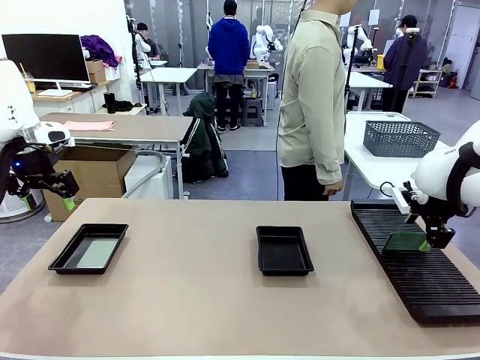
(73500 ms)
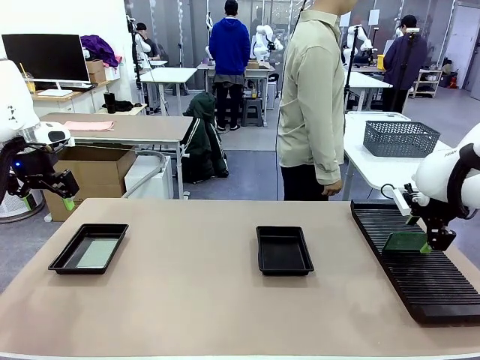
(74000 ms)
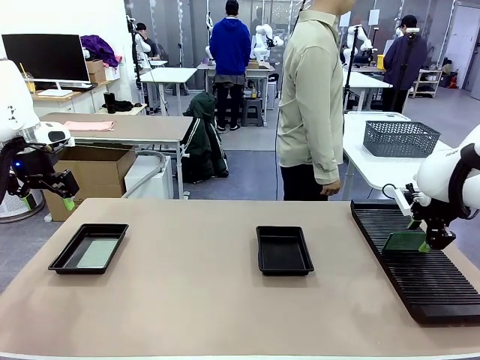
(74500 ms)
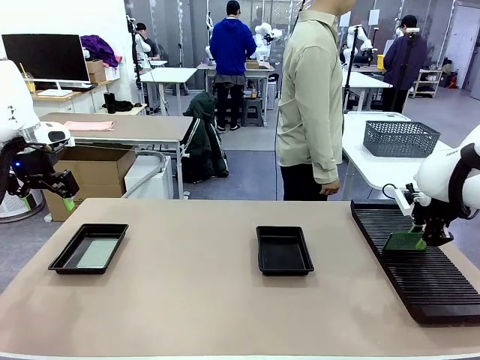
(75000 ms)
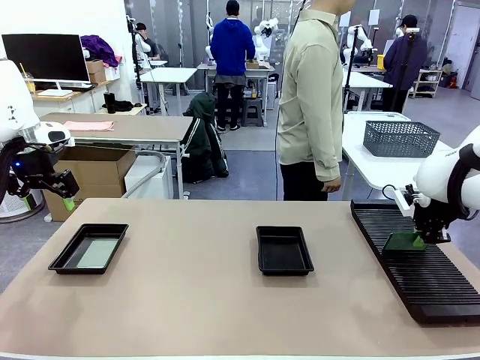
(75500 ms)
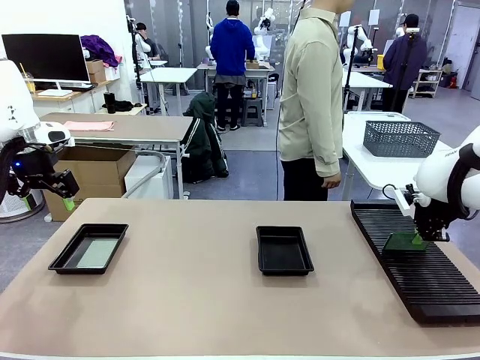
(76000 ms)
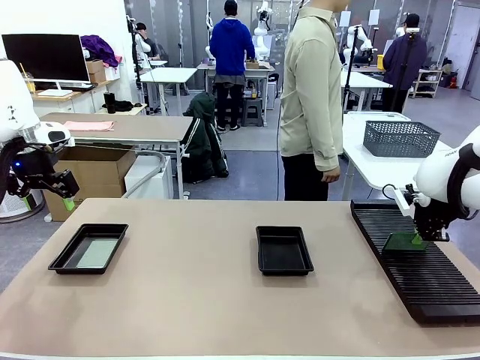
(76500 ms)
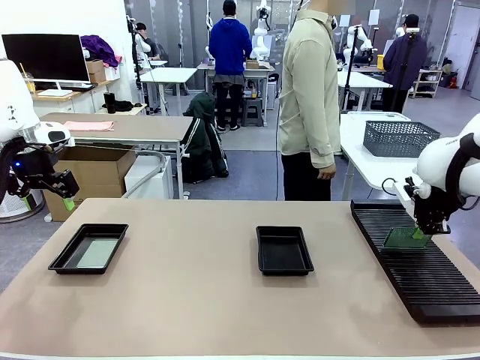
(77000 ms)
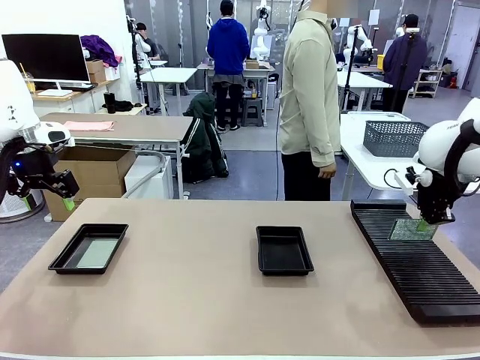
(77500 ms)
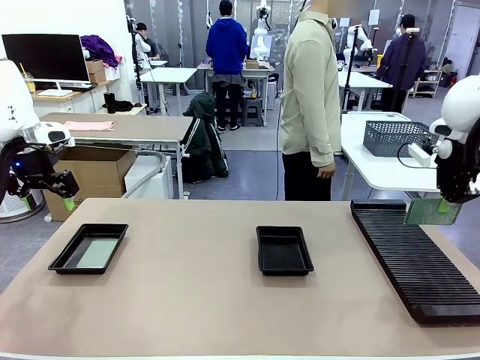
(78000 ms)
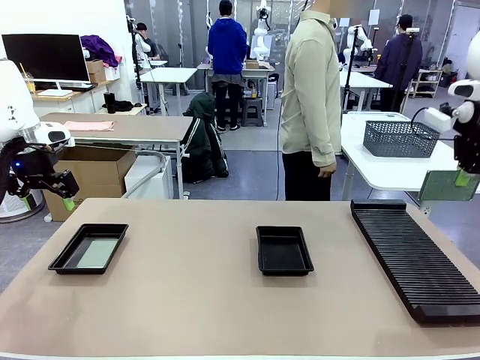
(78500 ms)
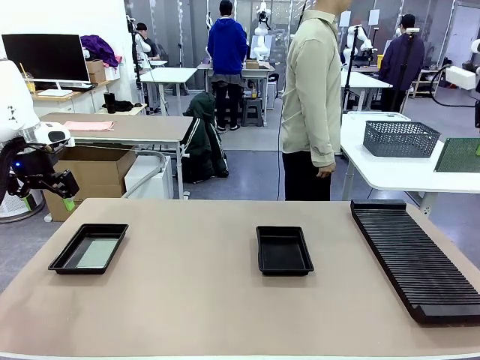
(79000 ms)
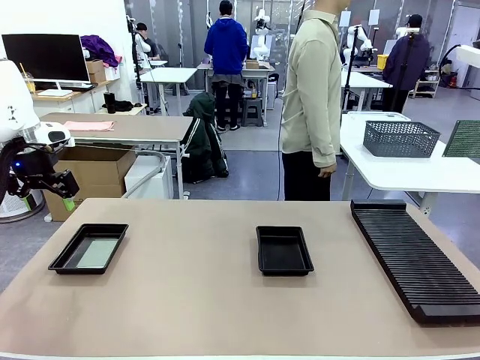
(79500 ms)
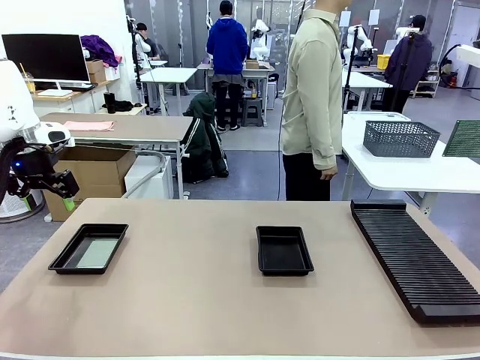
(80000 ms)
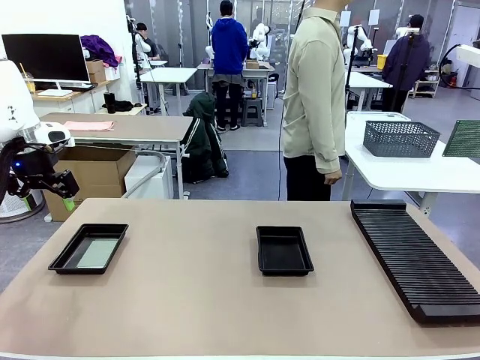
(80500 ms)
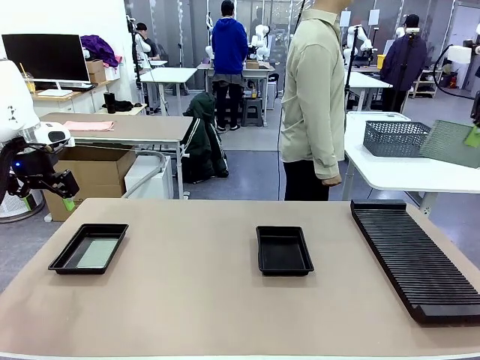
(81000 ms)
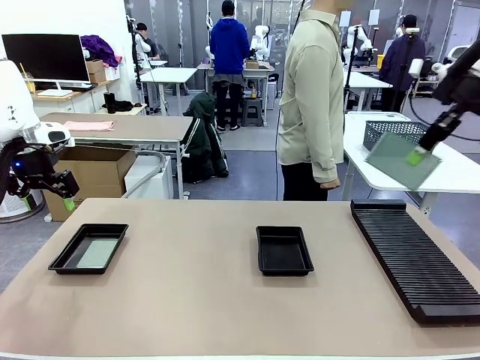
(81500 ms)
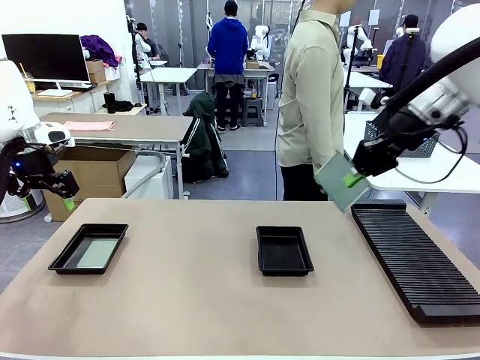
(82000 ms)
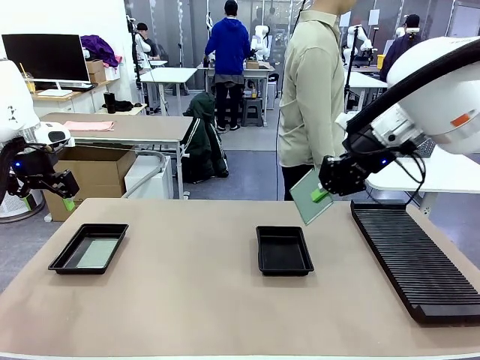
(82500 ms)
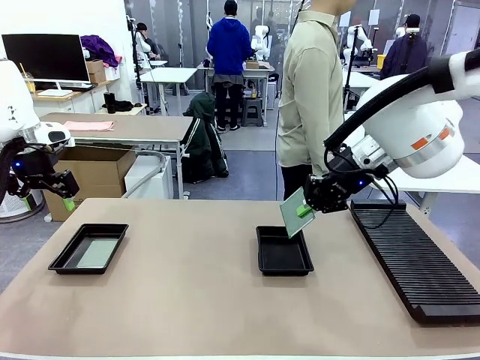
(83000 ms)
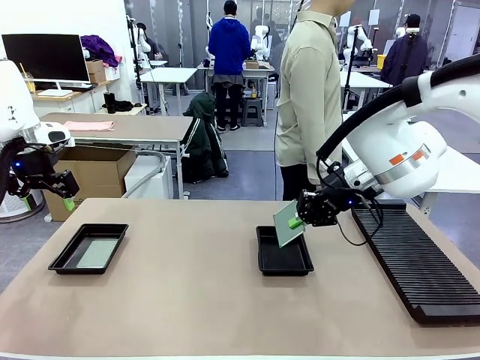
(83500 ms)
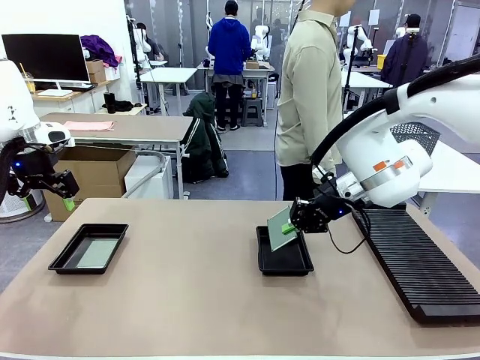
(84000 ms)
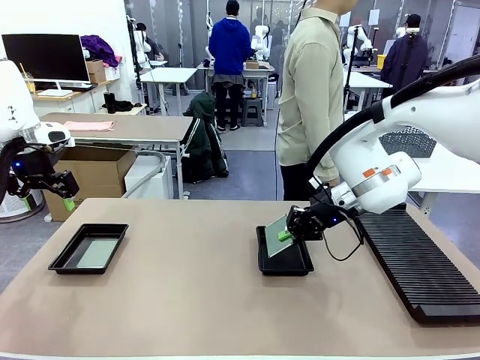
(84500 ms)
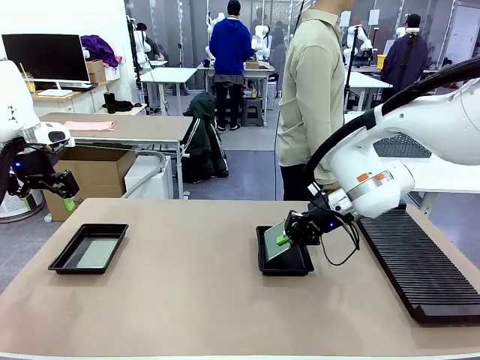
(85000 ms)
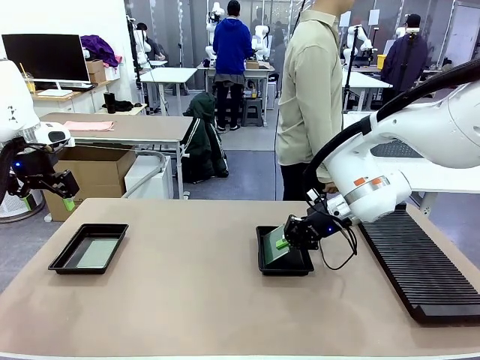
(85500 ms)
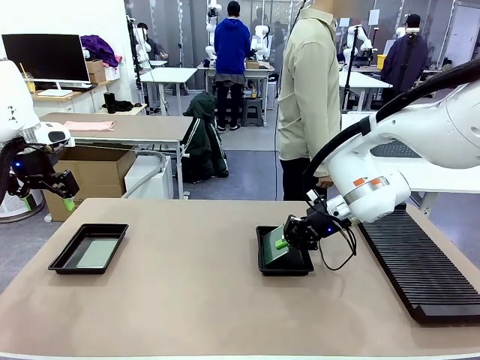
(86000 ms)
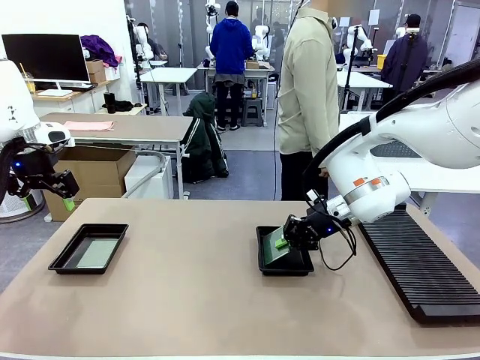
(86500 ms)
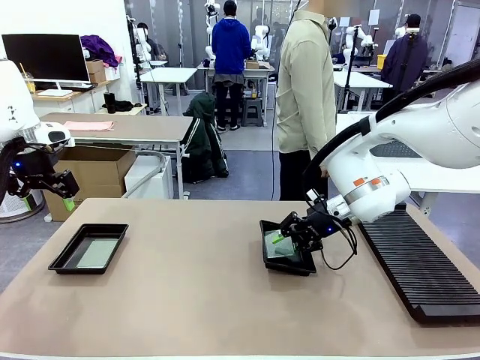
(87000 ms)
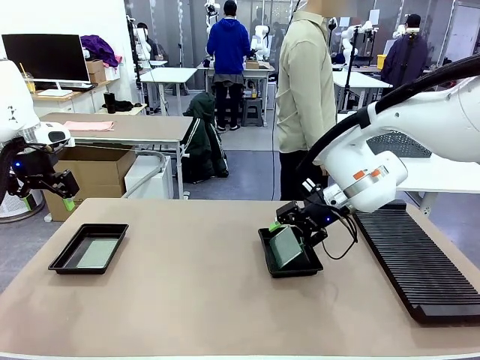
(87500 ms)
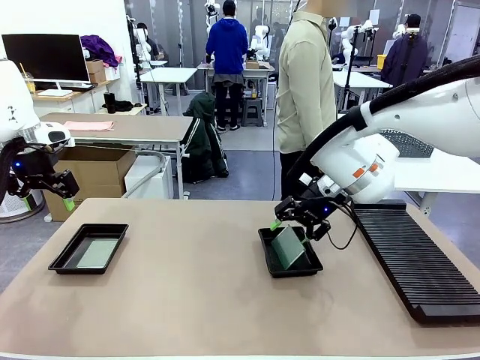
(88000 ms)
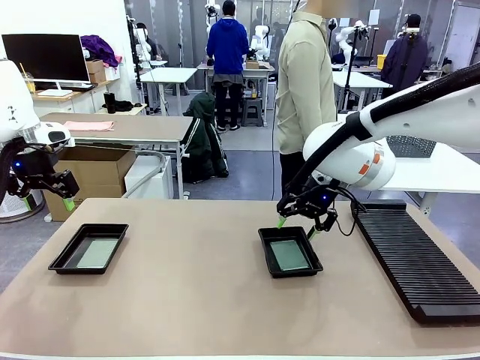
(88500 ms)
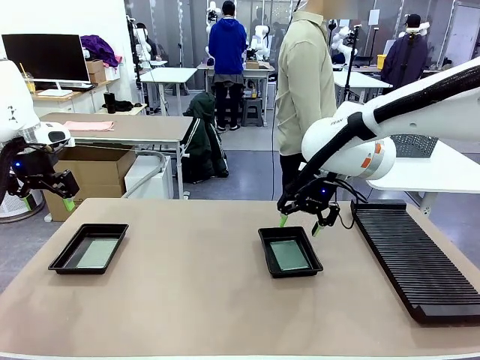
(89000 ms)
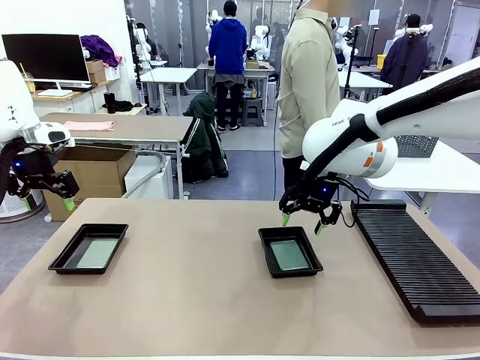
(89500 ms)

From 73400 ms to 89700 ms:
Task: Inspect and transfer BCBs to ESD trays.
Robot: Pick up the Blank PCB from the PCB Rack and place it in the right ESD tray.

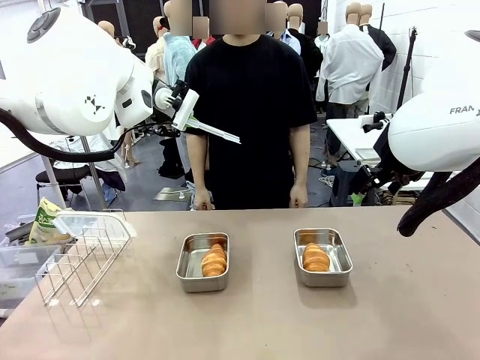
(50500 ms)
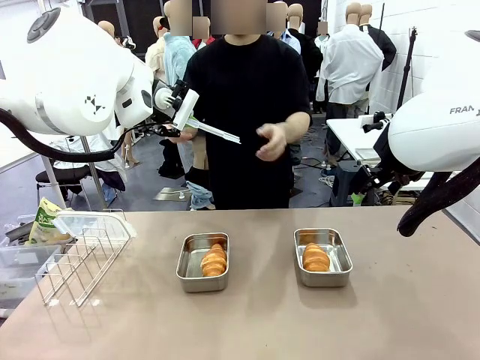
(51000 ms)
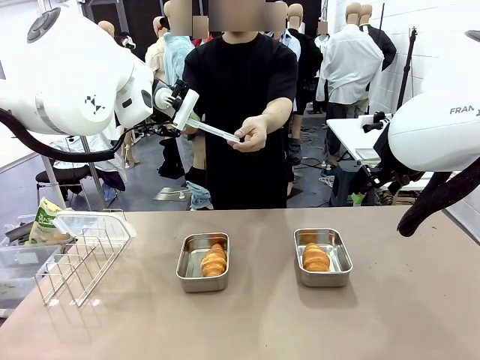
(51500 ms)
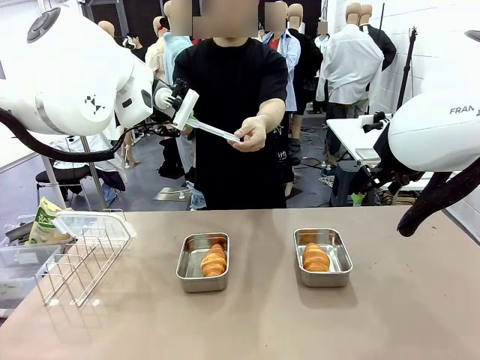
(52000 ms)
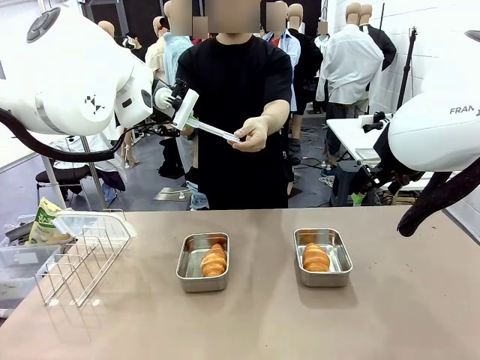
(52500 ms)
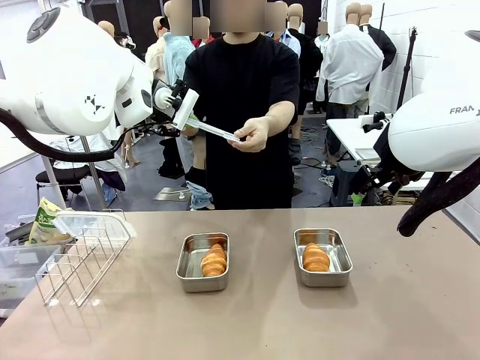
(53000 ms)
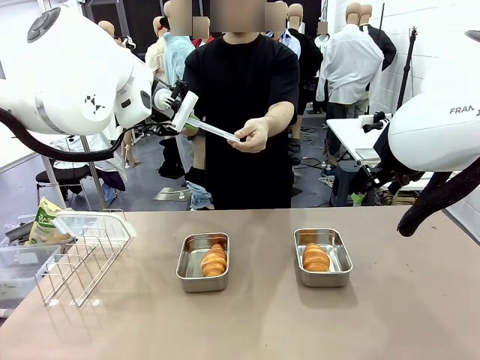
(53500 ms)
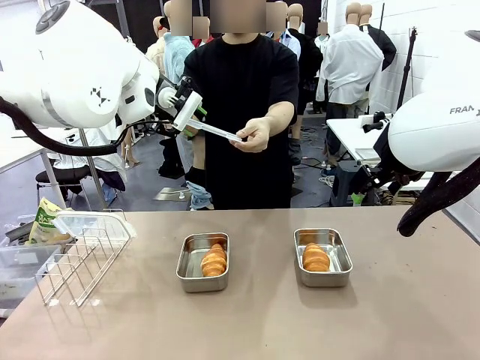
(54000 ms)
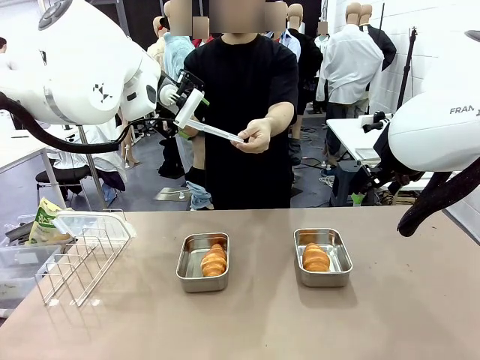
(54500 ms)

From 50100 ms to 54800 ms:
Task: Place the bread in airtight containers.
Robot: Release when the human grabs the Airtight Container lid.
